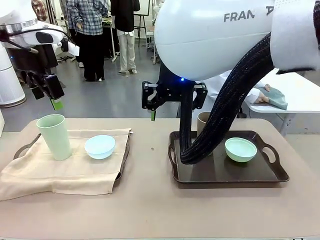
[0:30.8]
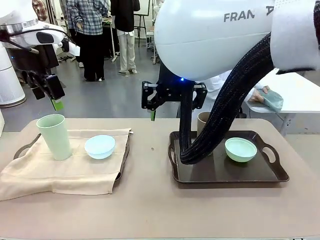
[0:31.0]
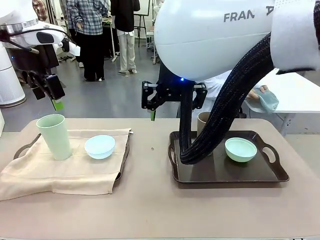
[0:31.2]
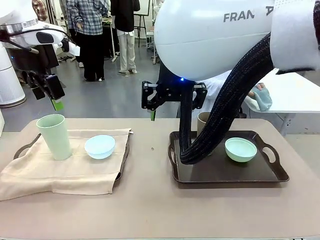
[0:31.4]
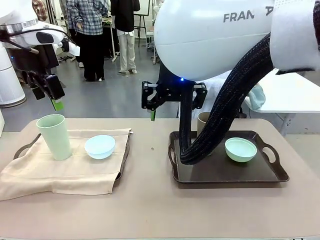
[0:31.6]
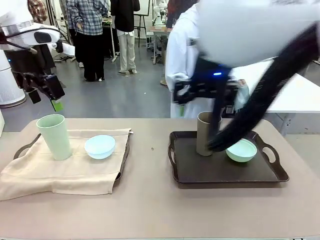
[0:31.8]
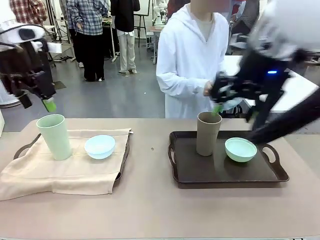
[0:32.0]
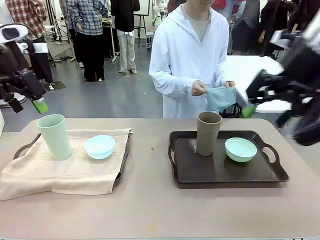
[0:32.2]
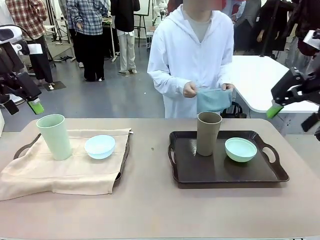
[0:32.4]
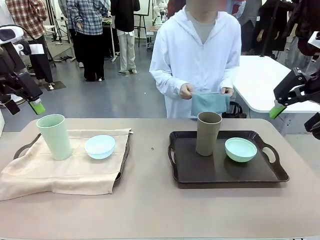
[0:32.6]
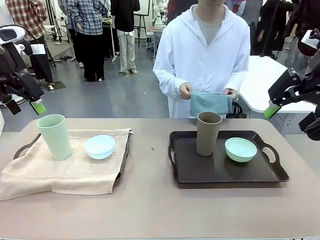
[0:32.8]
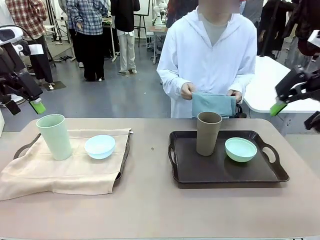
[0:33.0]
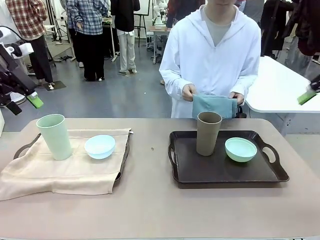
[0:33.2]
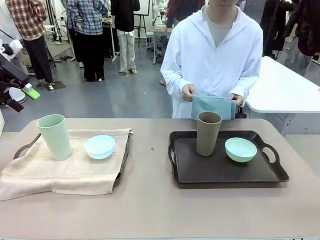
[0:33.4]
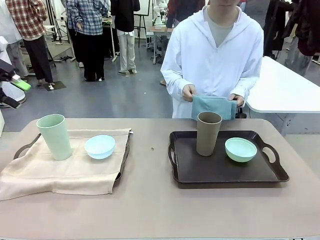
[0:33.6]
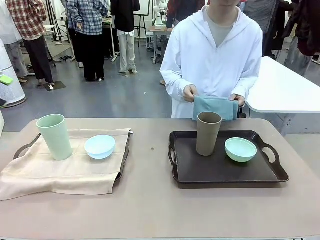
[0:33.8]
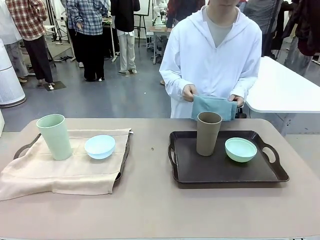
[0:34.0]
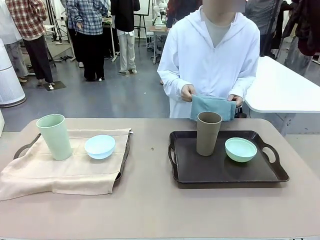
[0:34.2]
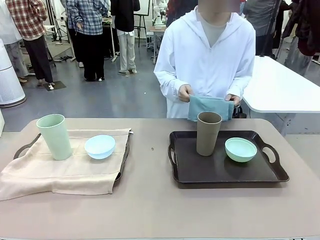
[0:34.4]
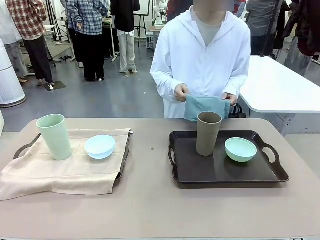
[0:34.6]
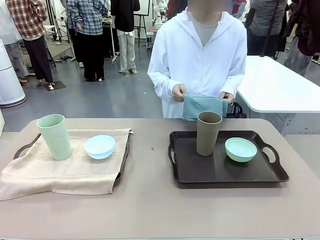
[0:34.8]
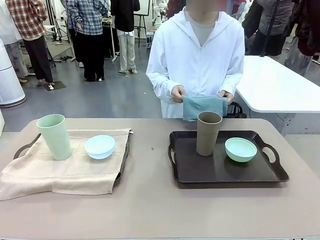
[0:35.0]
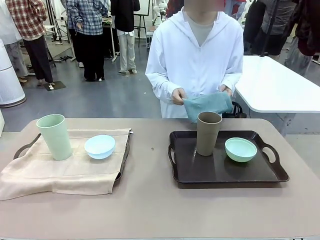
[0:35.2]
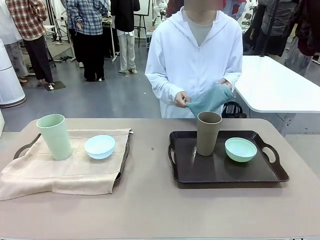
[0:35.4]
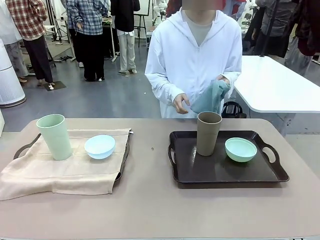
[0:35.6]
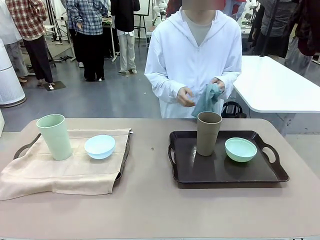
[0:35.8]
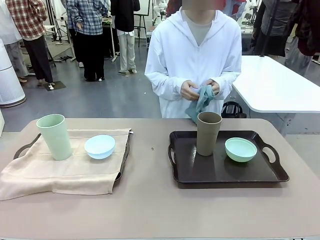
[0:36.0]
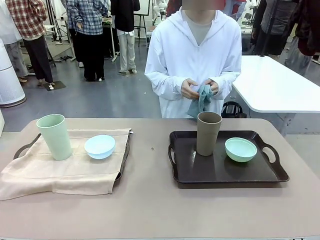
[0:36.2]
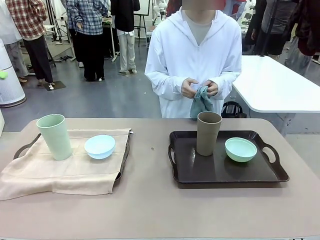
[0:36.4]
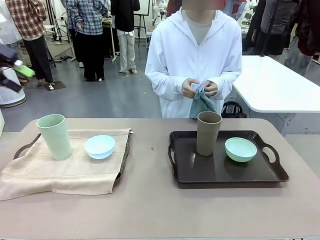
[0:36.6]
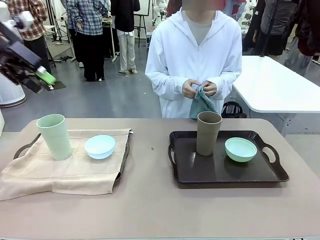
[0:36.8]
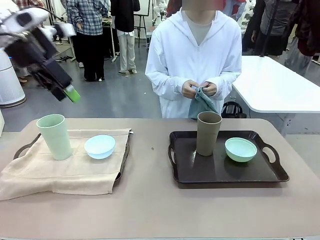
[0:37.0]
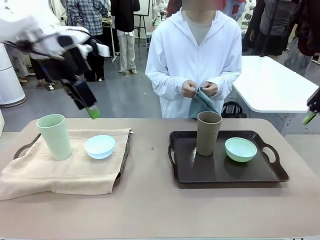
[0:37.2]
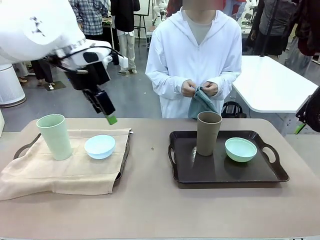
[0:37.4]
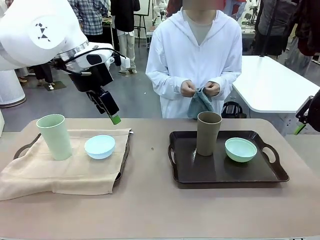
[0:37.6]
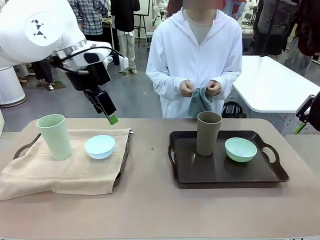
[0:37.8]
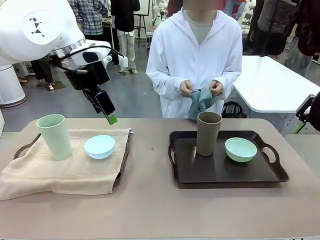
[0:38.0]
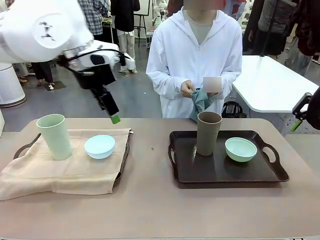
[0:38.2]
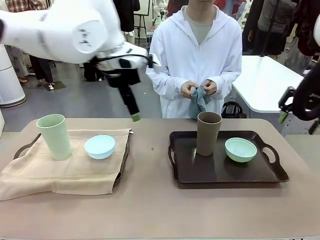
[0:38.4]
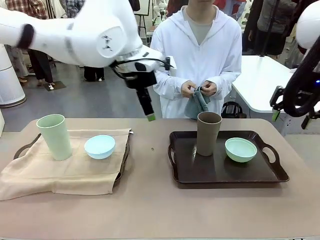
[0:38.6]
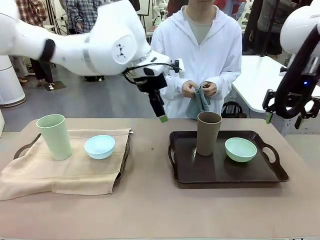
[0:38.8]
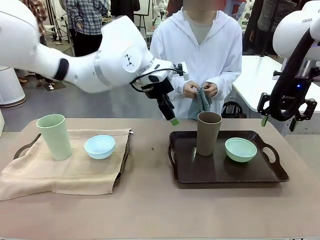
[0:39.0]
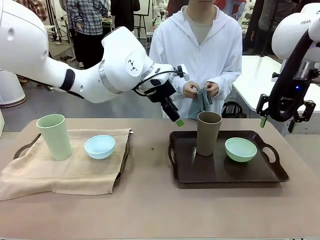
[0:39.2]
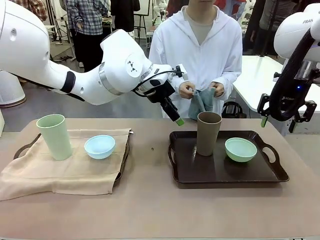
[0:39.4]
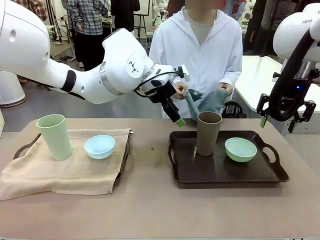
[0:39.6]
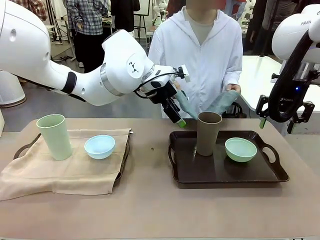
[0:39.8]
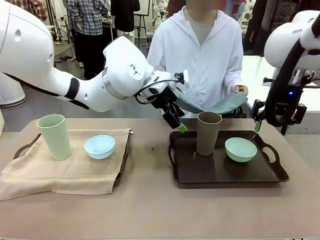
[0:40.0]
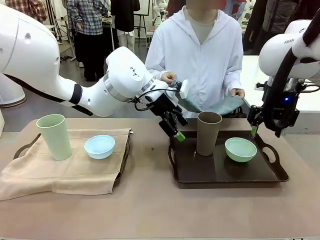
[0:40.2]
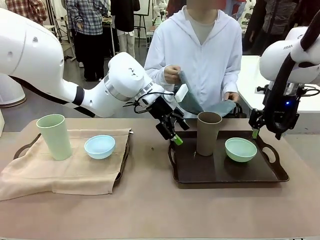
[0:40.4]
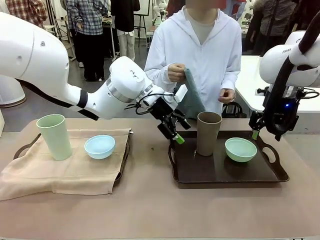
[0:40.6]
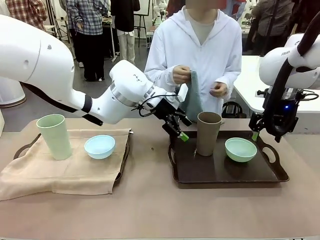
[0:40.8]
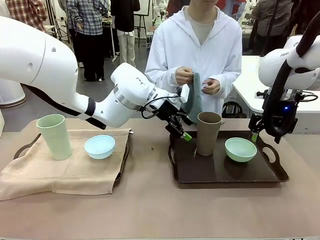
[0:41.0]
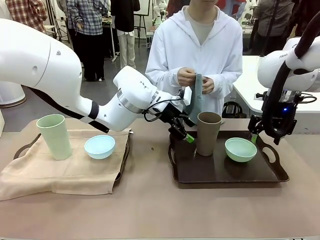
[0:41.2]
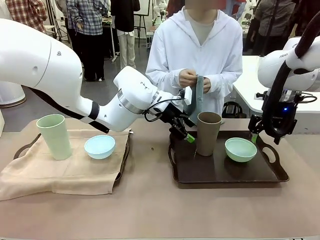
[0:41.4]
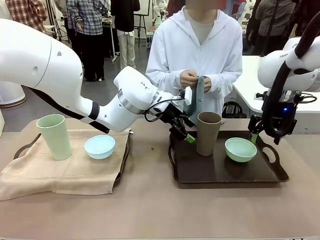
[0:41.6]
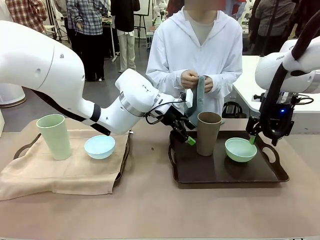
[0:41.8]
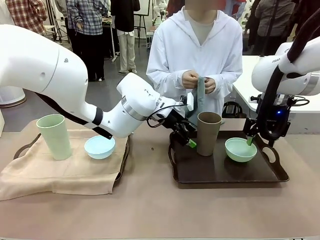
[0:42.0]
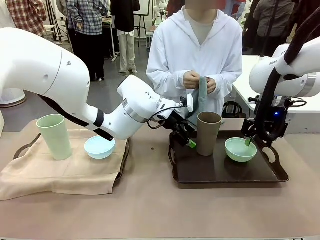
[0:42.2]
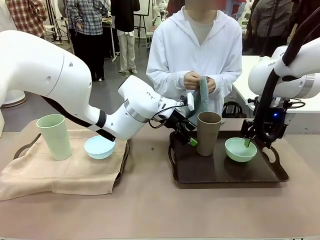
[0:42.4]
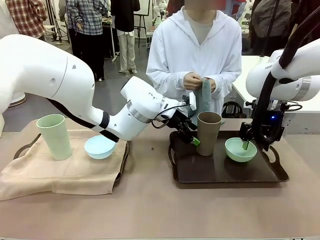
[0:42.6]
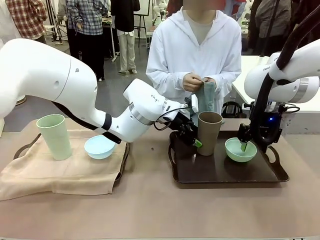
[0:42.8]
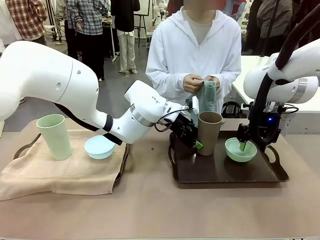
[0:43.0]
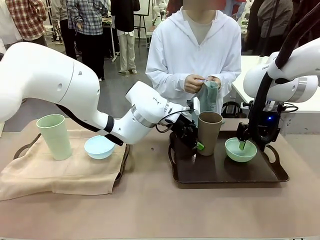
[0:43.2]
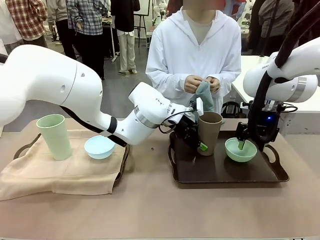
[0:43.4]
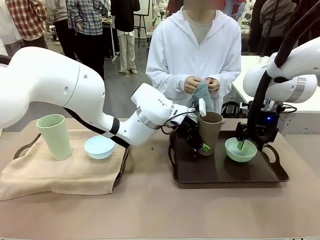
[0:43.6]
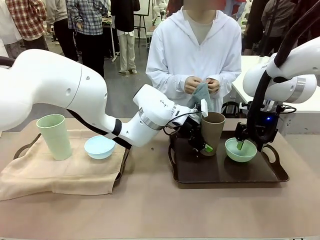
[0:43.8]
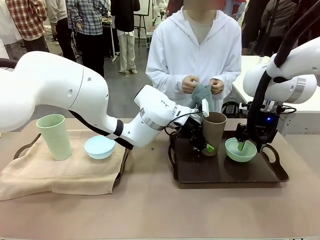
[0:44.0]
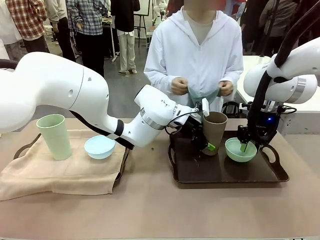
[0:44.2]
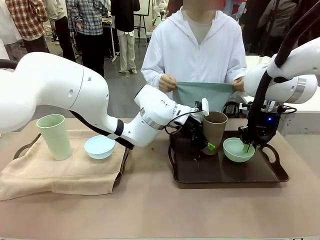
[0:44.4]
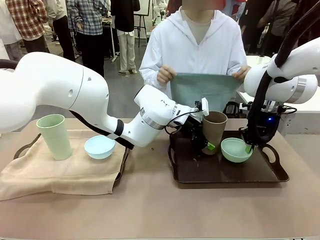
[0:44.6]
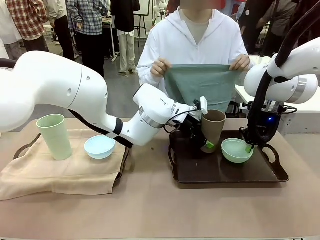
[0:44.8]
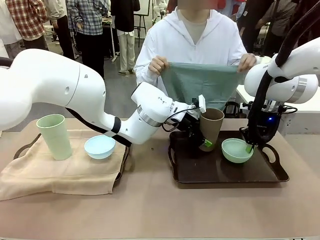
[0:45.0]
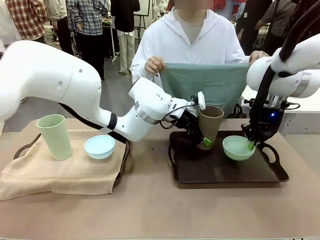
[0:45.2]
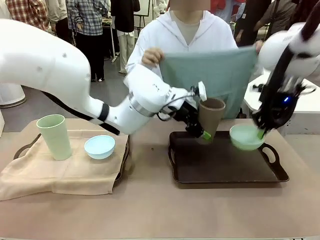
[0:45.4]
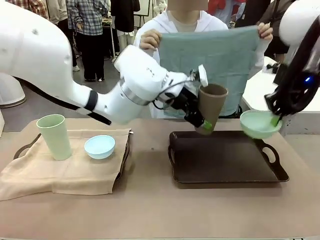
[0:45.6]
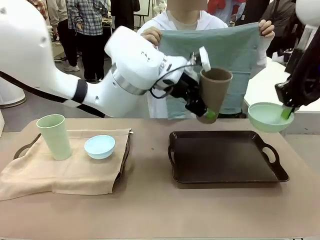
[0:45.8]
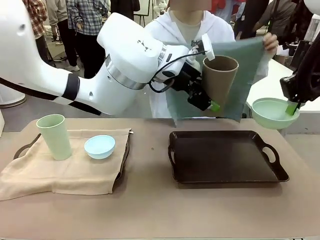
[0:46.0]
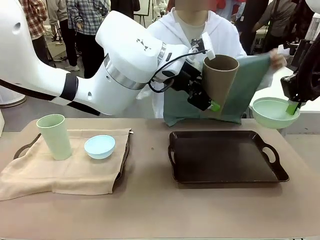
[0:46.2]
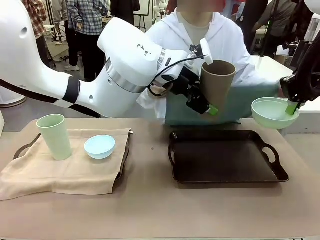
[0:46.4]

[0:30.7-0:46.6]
Robot: Pick up the Picnic Bowl and Reusable plastic cup from the Handle tray in front of the human's position and hold them in the air.

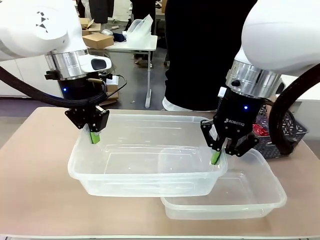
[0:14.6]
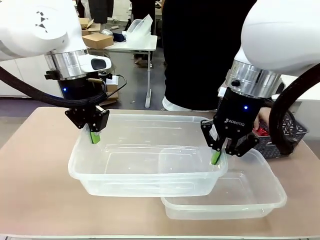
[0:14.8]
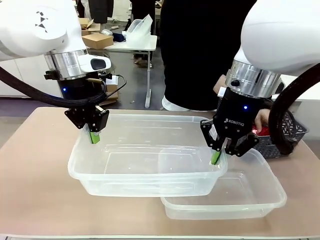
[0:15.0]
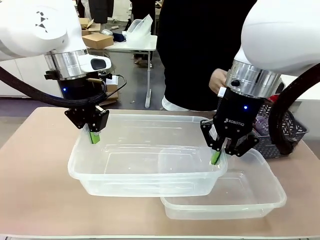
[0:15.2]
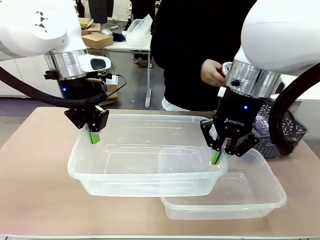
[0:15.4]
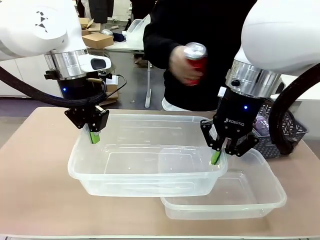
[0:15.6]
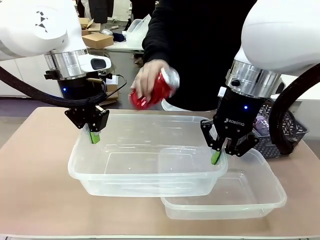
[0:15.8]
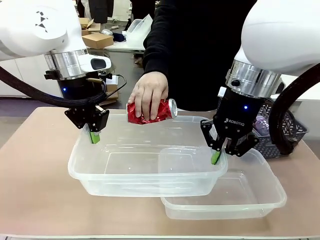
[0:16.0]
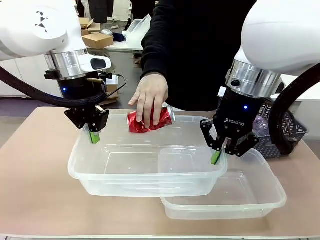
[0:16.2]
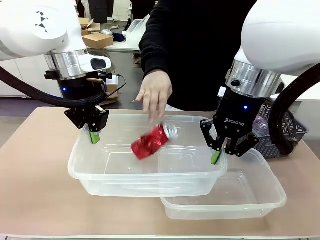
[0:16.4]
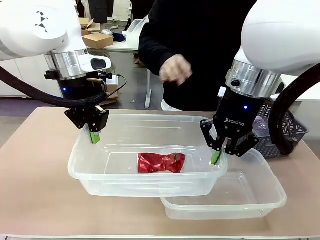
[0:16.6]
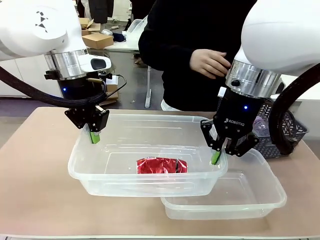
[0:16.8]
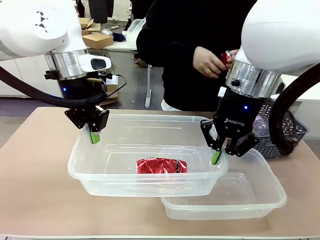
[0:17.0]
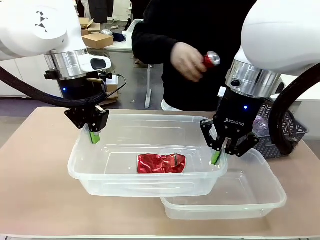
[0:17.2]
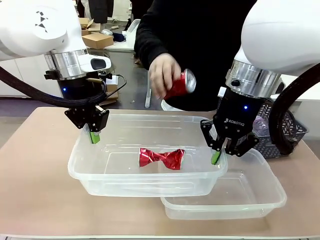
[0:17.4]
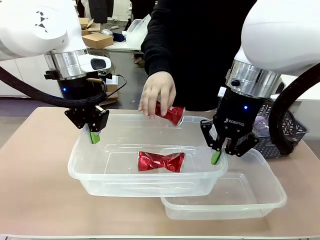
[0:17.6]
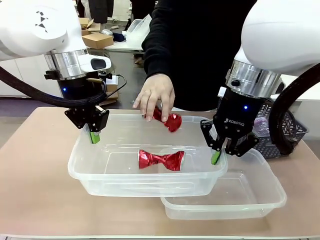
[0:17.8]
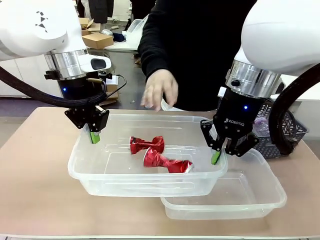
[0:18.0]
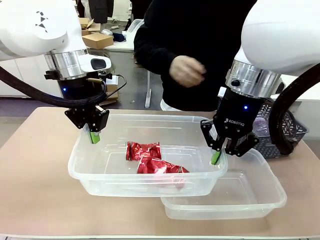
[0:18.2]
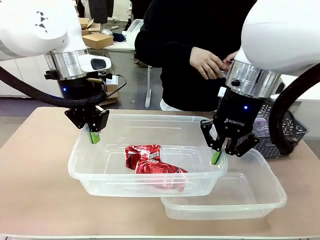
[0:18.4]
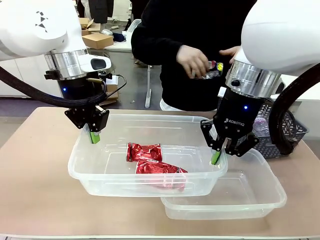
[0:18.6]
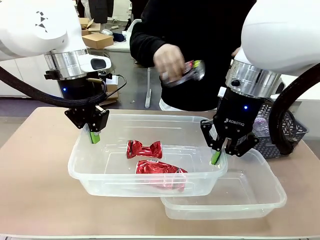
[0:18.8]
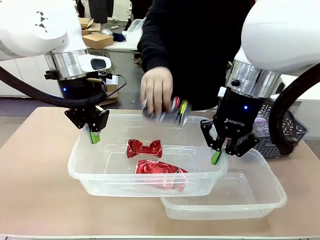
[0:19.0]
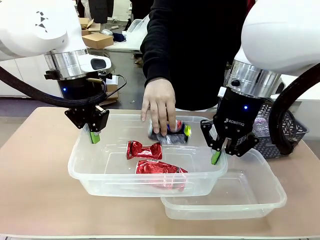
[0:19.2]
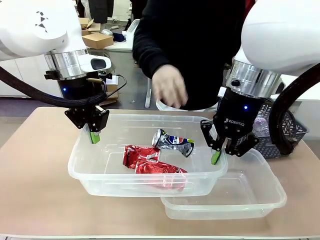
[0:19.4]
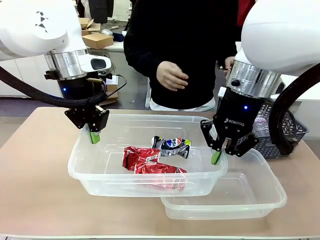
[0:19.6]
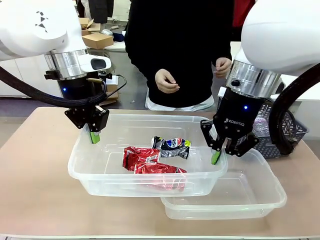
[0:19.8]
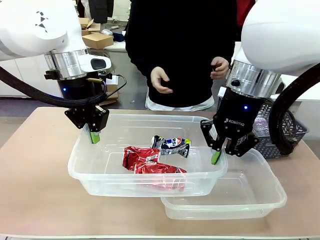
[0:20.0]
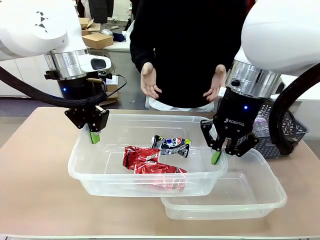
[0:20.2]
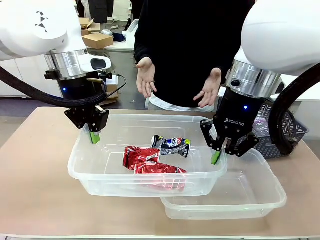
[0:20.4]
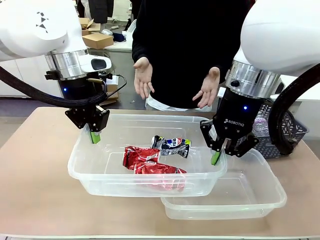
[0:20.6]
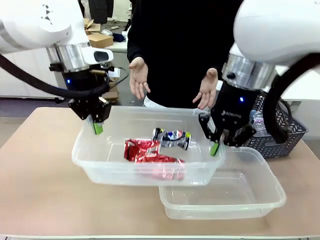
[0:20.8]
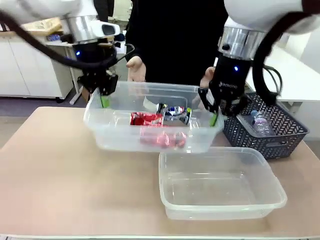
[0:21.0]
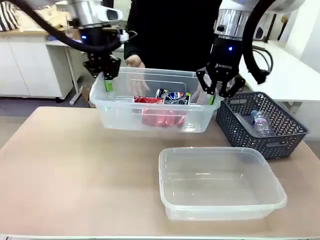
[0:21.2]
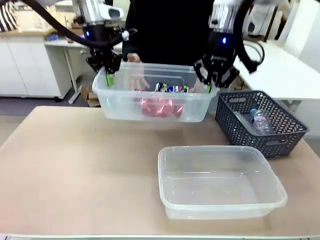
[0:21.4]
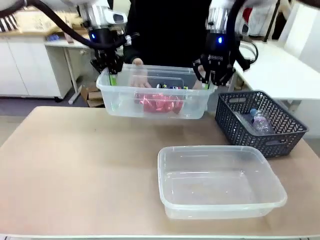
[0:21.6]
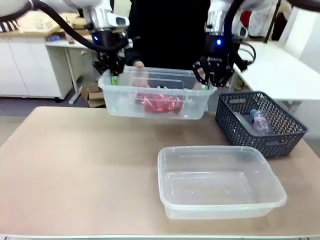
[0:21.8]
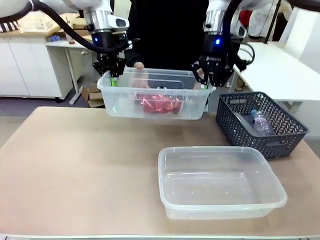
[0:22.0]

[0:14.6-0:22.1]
Robot: Offer the picked Organizing box to the human.

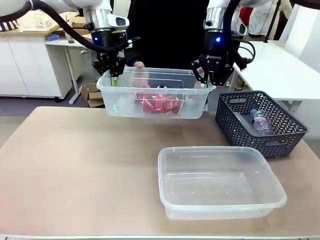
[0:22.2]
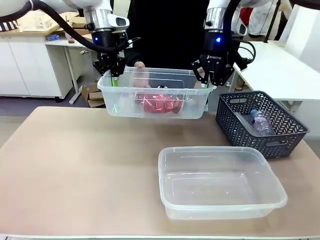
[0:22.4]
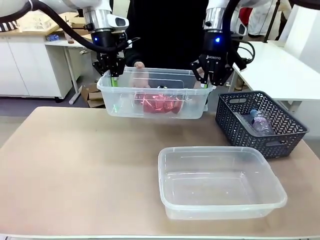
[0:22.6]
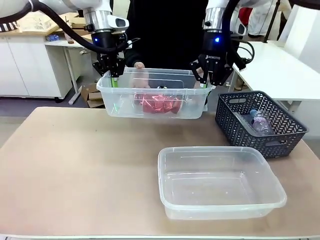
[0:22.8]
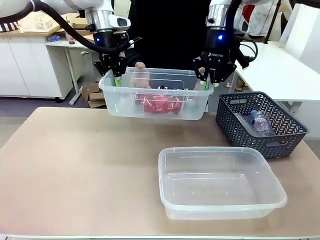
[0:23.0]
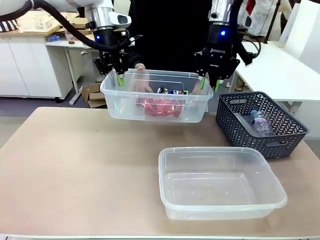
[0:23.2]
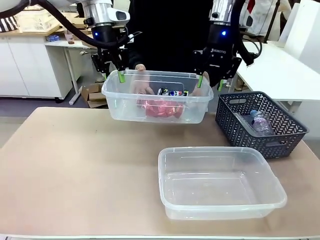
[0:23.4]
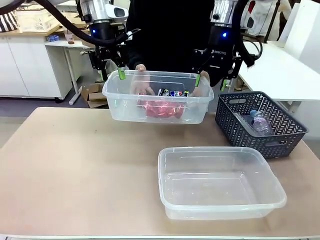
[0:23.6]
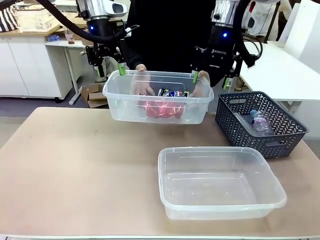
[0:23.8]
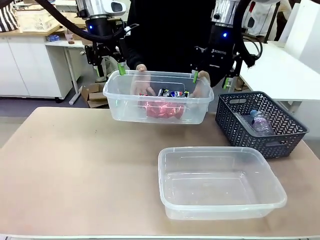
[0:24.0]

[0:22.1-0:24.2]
Robot: Release the Organizing box you were holding.
